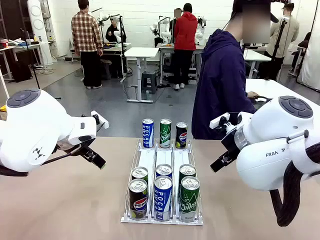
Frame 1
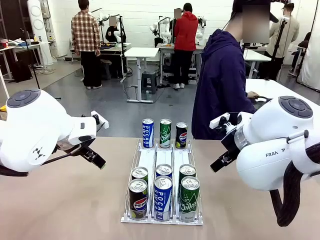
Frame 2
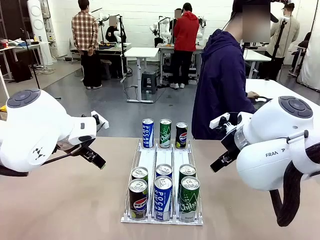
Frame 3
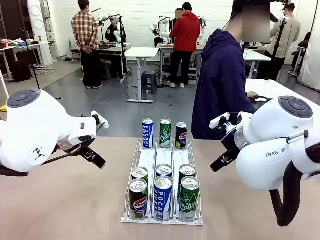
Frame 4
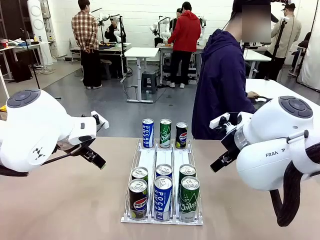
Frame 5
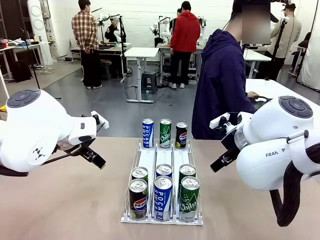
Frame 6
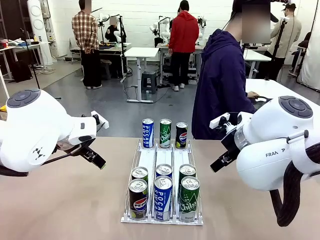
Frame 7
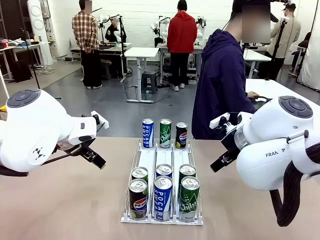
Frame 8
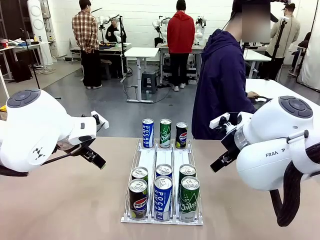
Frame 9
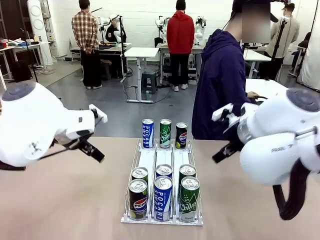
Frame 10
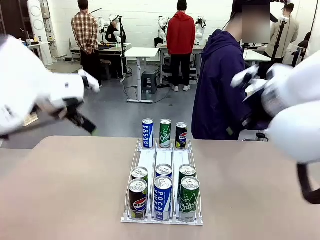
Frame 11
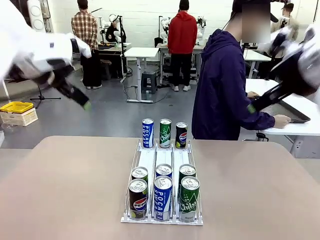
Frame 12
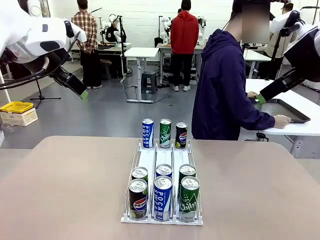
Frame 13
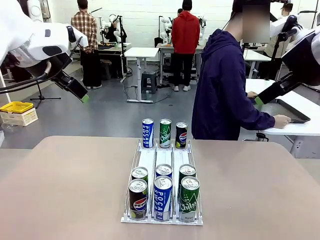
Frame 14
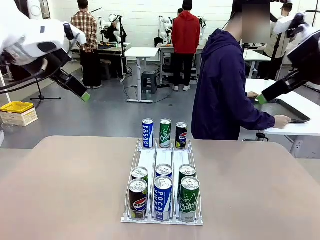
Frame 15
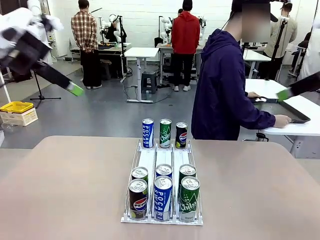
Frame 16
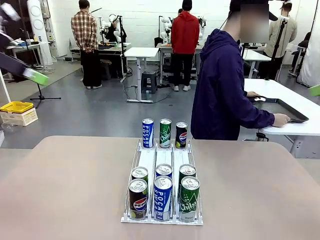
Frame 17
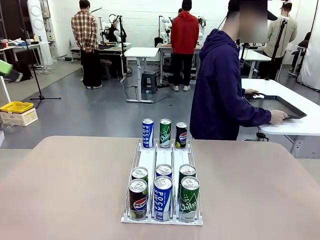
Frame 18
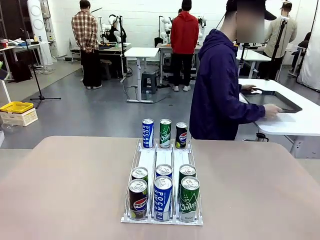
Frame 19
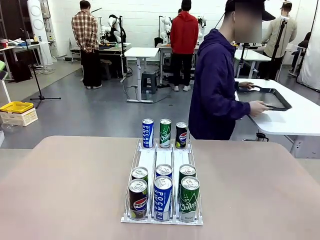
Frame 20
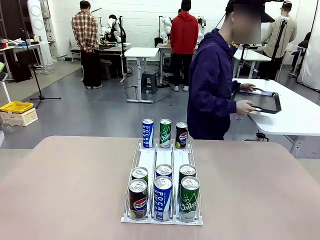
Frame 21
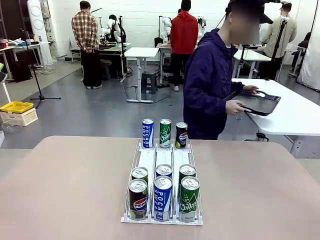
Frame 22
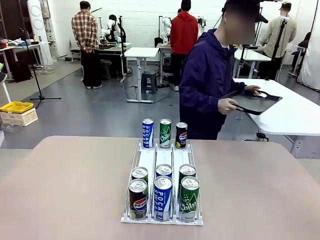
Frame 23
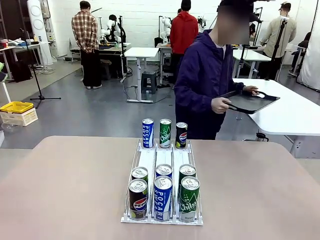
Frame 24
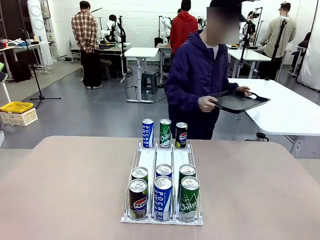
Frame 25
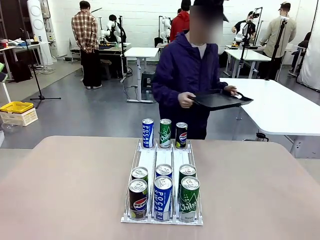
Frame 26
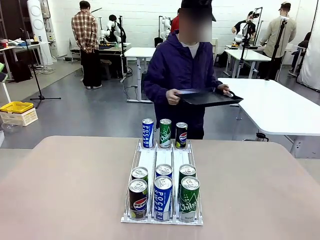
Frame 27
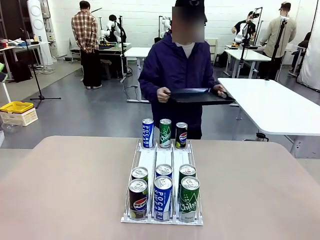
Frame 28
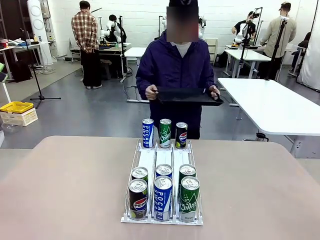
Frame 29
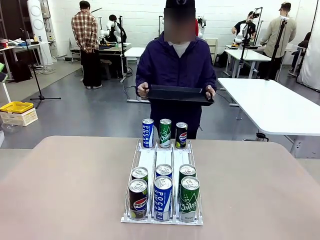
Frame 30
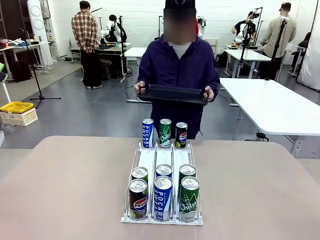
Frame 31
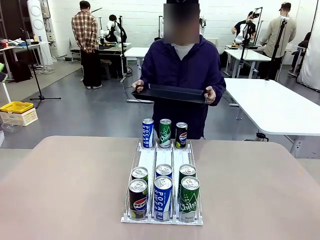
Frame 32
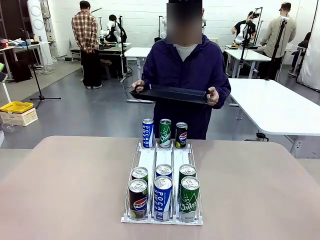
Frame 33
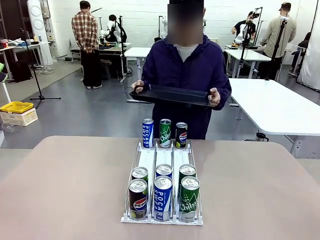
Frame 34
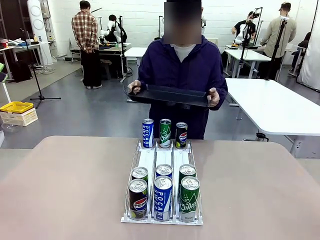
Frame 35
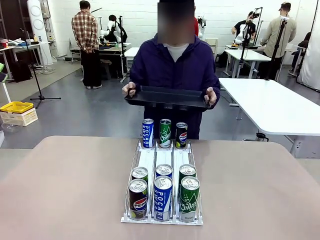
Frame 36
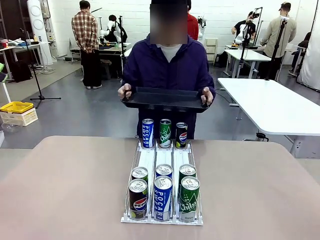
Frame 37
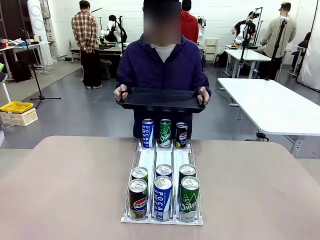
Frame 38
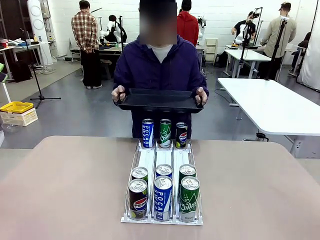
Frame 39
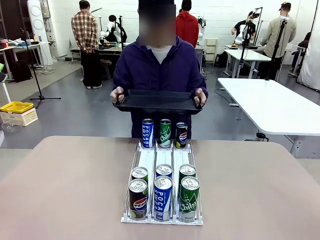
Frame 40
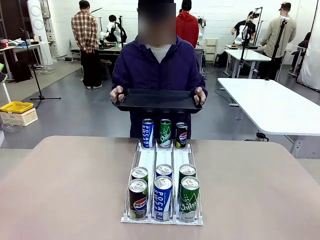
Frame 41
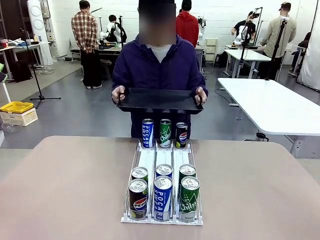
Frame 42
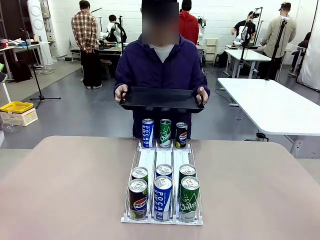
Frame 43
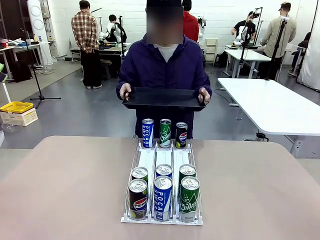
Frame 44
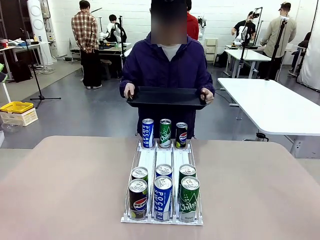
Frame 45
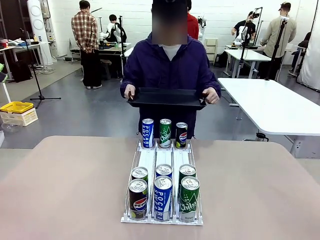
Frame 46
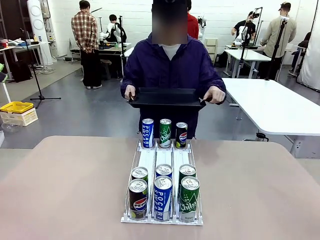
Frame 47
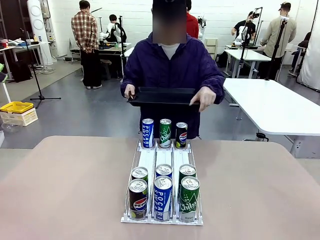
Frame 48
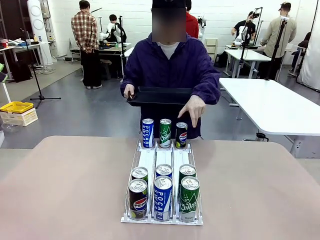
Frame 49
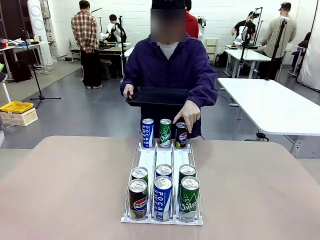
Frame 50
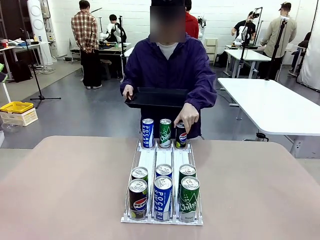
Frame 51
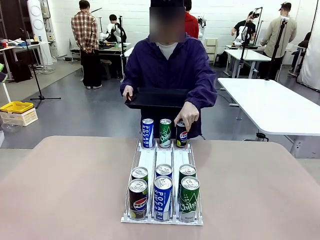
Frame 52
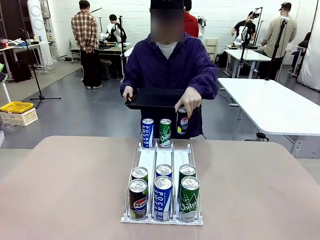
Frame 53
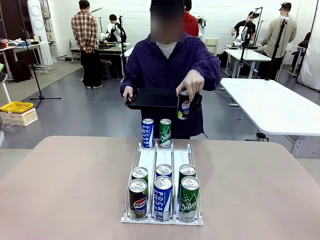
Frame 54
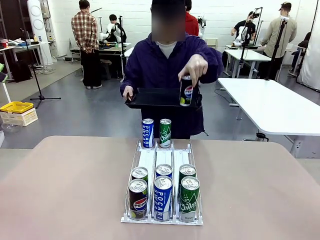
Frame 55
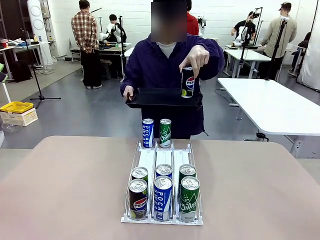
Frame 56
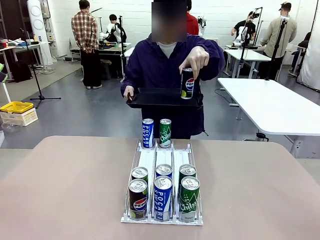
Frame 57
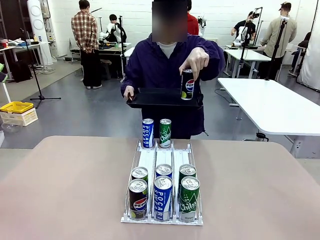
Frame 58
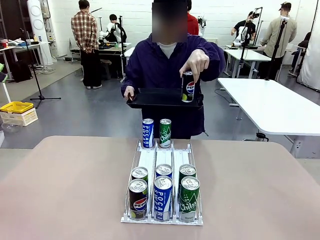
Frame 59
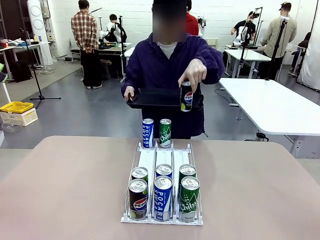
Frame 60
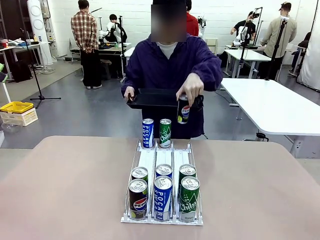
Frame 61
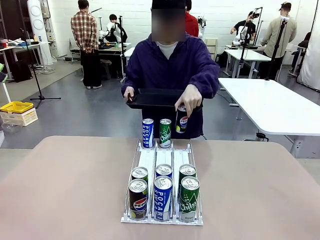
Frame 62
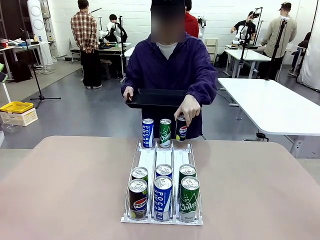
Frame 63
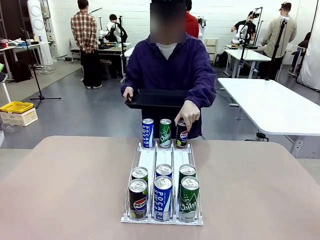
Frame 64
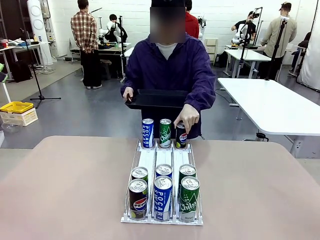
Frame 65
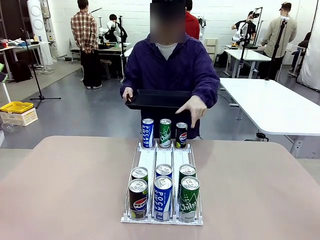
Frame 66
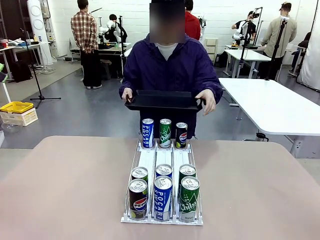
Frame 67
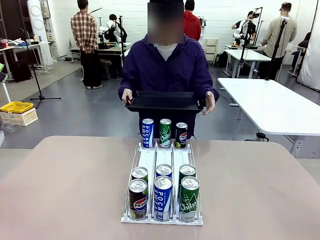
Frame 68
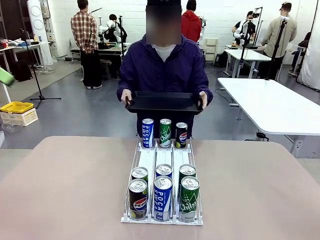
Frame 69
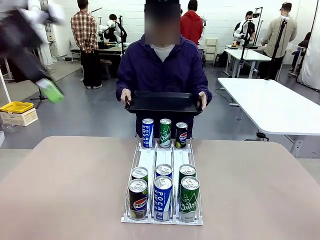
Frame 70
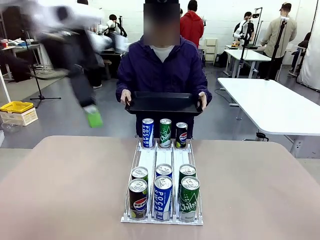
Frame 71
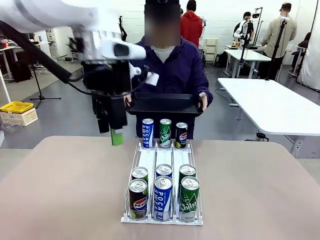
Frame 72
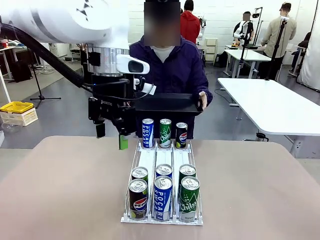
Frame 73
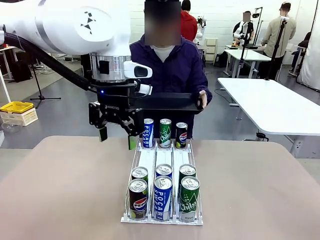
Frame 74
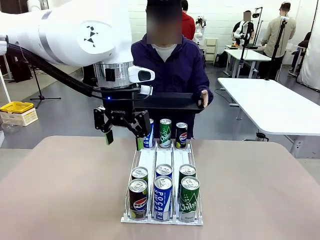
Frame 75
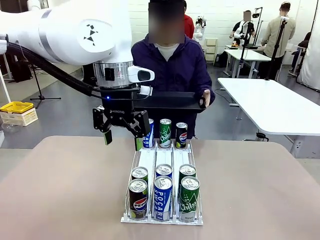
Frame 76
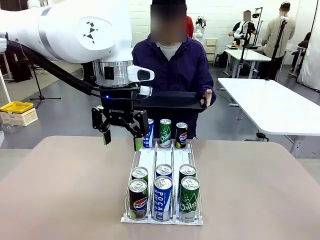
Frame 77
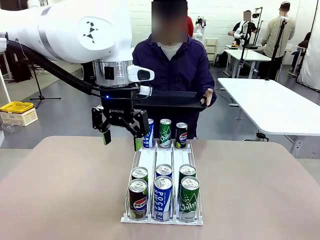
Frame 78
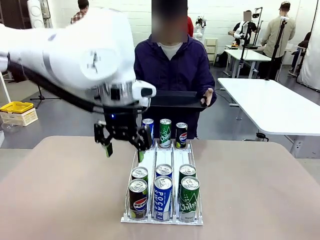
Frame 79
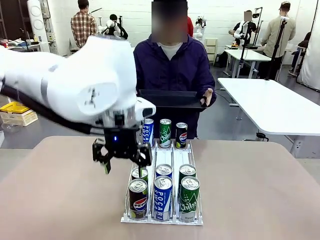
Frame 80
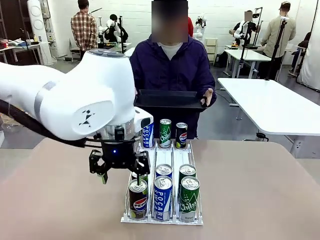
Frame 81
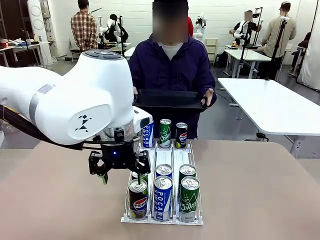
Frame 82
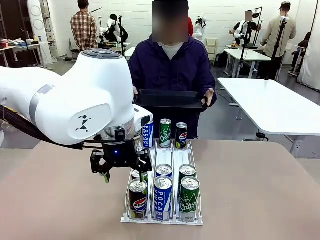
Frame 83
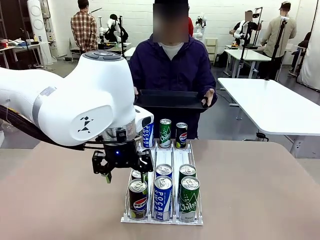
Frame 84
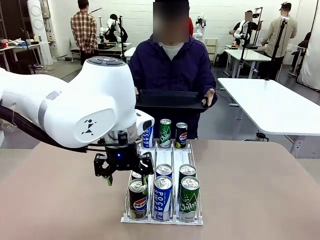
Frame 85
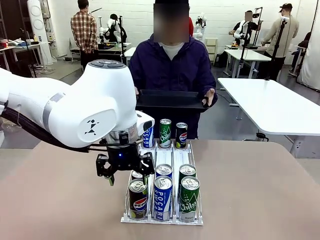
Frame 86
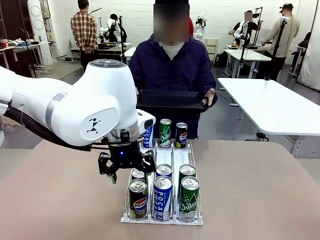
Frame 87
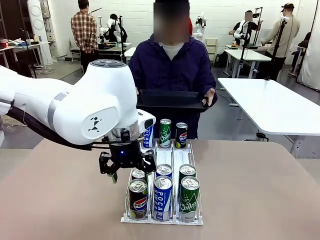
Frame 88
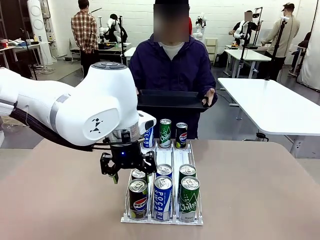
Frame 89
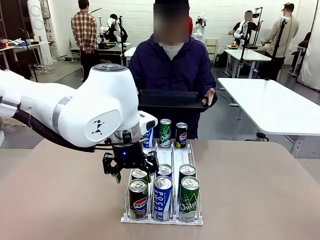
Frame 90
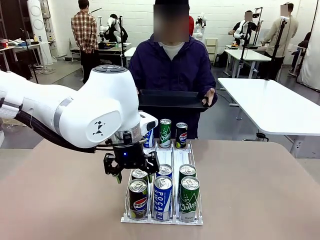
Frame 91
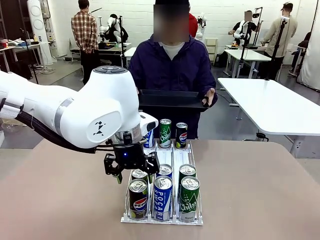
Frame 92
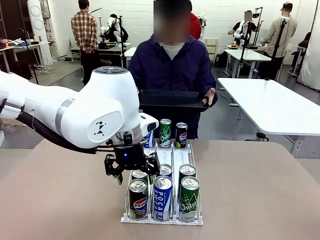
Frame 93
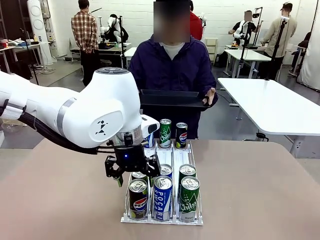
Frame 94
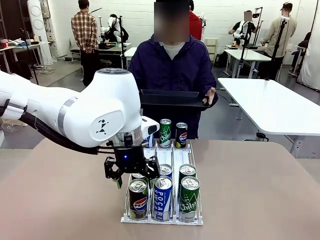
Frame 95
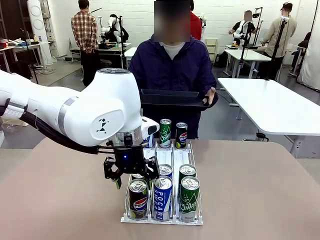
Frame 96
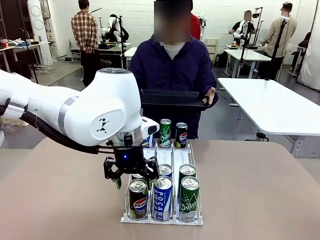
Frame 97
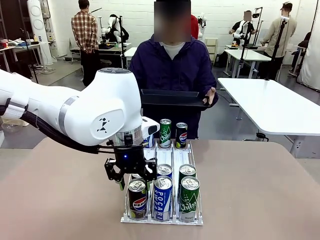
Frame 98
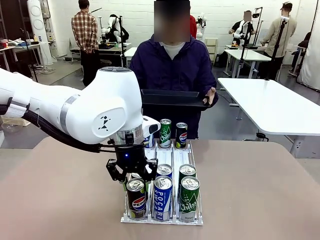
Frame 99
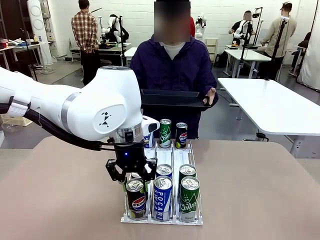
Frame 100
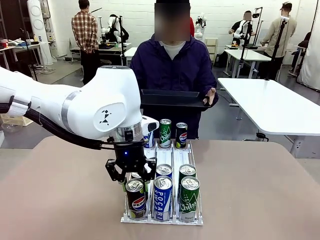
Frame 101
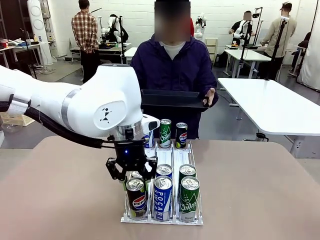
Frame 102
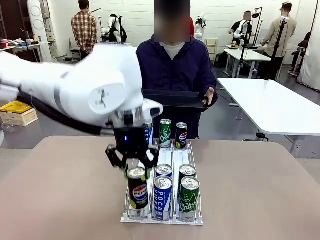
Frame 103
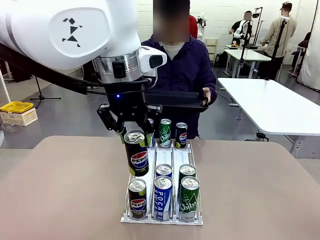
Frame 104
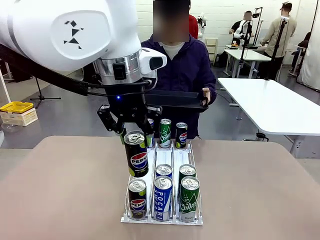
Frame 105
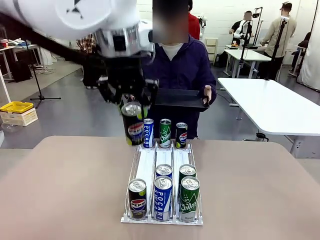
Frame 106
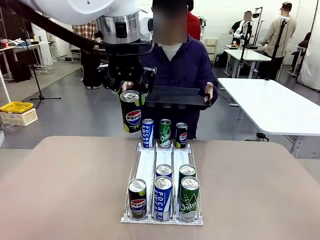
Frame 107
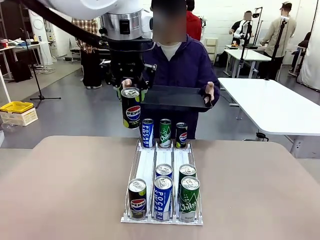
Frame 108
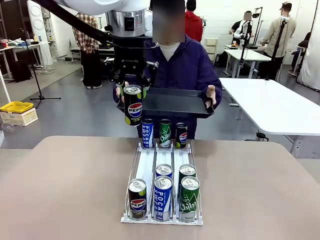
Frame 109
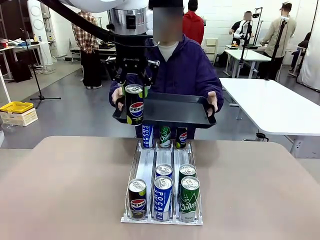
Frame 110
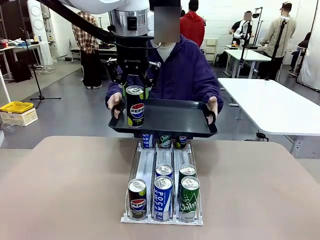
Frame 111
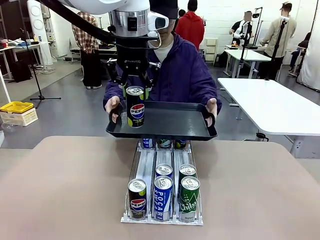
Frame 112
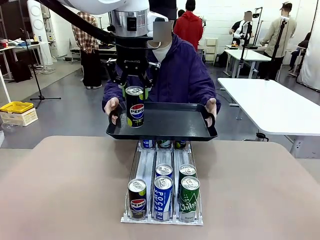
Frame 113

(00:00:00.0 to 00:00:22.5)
Task: Retrieve and hand over the desired beverage to the person.
Robot: Pick up a can of the same type that the person held from the Automatic Can Dispenser.
Person: Hold the tray and position yourself in front of the robot table. Pick up one can from the bottom area of the table and puts it back in its original place. Push the tray toward the robot.
